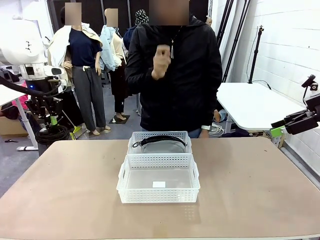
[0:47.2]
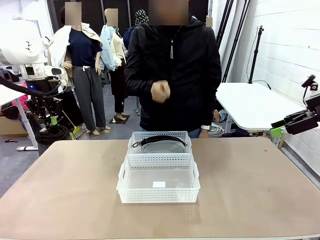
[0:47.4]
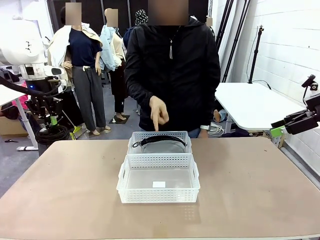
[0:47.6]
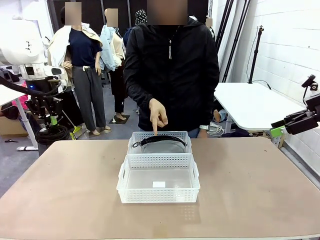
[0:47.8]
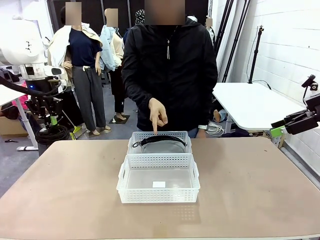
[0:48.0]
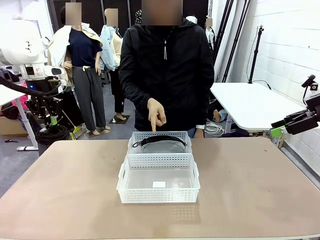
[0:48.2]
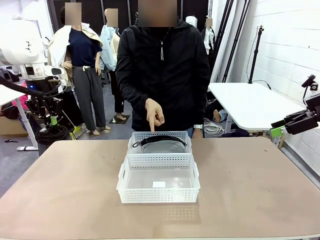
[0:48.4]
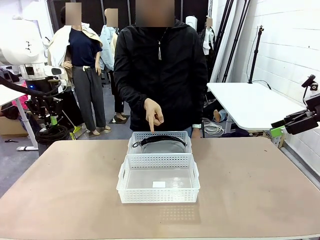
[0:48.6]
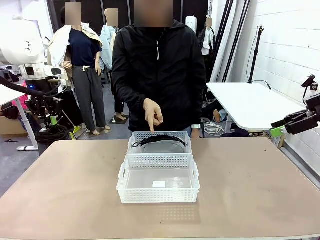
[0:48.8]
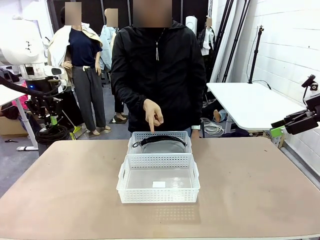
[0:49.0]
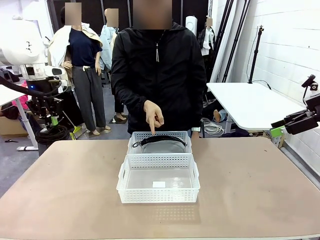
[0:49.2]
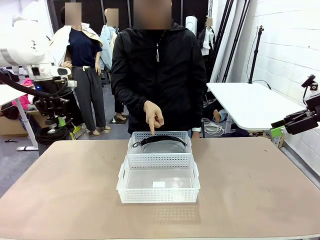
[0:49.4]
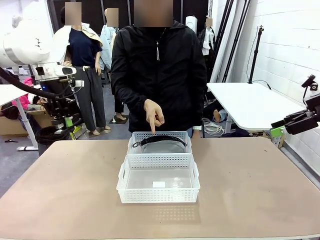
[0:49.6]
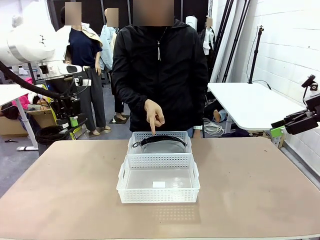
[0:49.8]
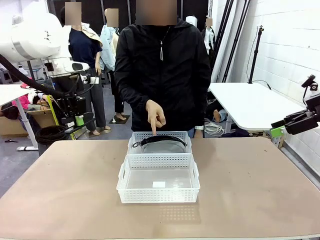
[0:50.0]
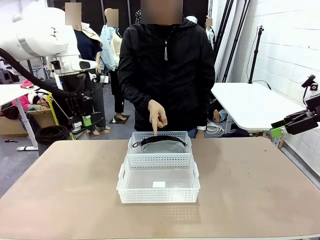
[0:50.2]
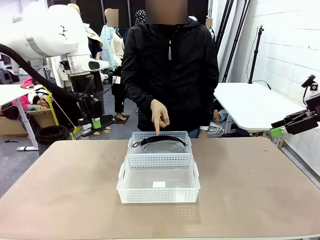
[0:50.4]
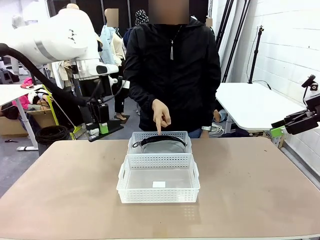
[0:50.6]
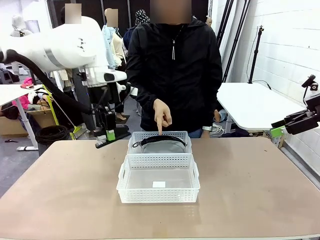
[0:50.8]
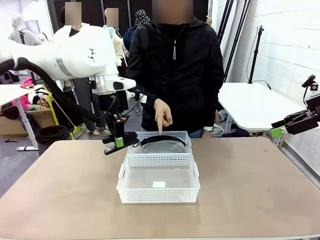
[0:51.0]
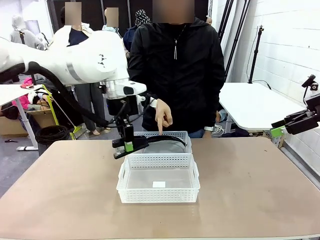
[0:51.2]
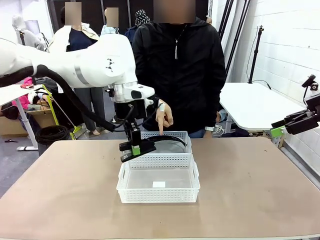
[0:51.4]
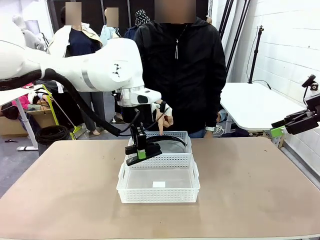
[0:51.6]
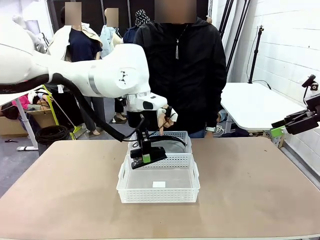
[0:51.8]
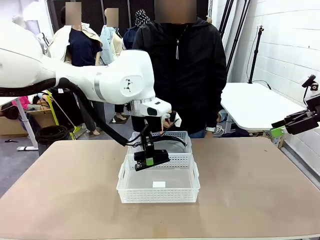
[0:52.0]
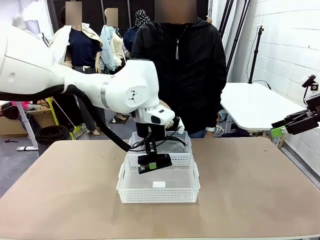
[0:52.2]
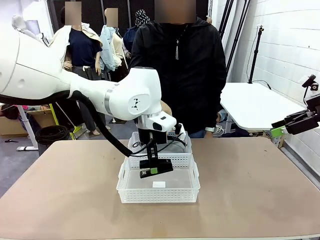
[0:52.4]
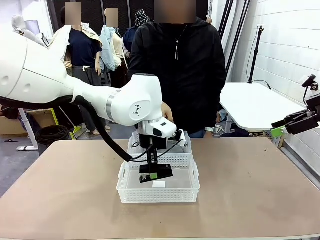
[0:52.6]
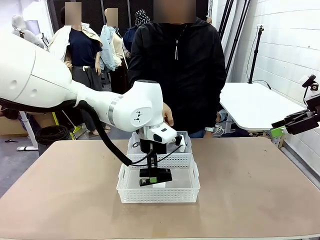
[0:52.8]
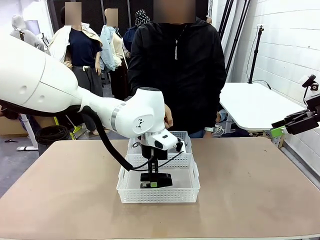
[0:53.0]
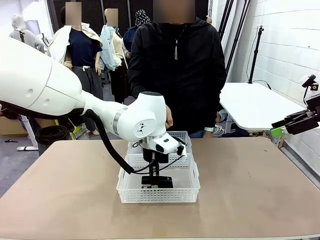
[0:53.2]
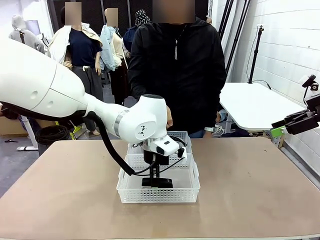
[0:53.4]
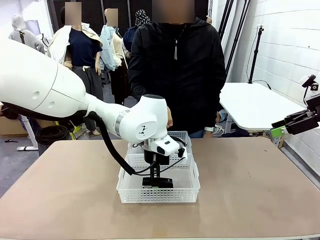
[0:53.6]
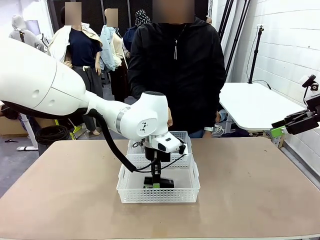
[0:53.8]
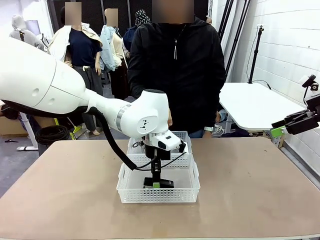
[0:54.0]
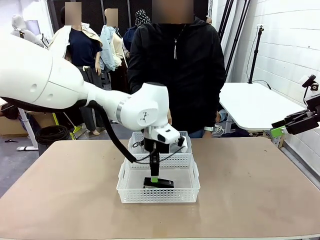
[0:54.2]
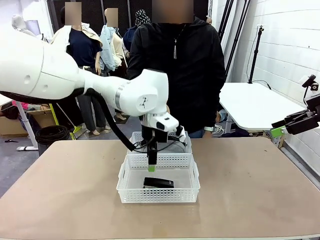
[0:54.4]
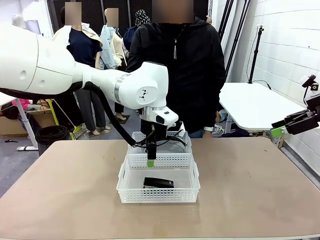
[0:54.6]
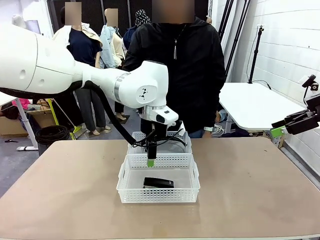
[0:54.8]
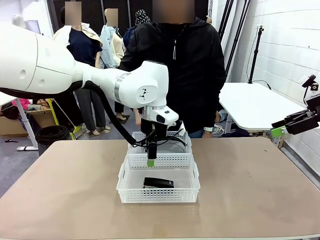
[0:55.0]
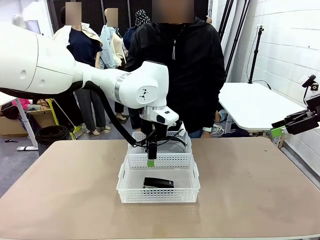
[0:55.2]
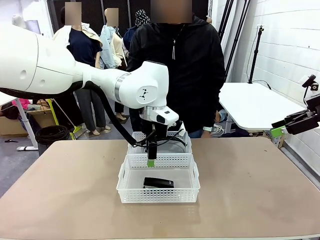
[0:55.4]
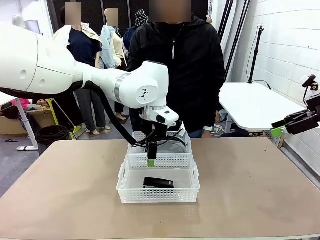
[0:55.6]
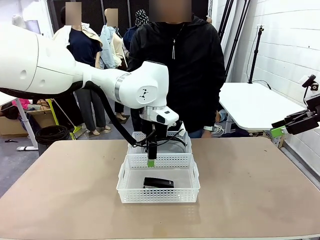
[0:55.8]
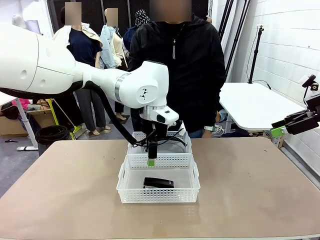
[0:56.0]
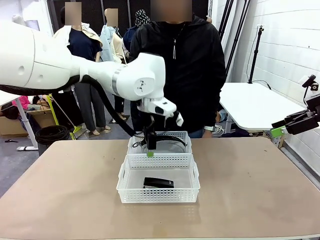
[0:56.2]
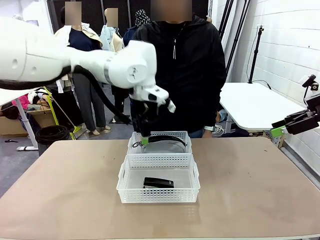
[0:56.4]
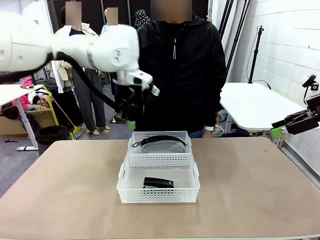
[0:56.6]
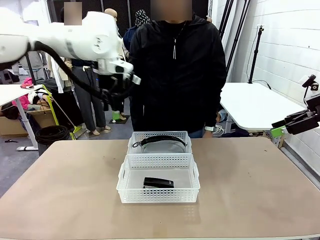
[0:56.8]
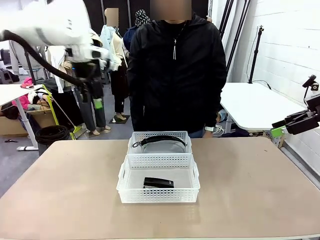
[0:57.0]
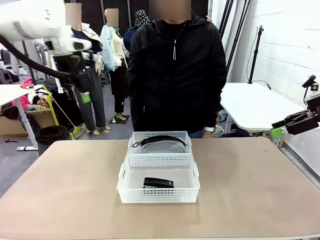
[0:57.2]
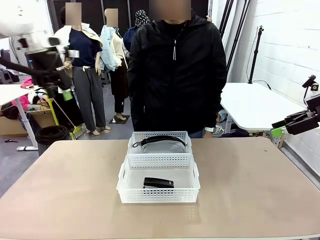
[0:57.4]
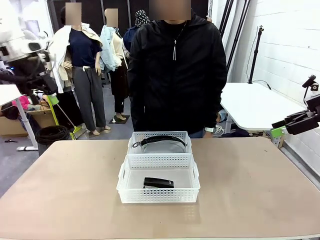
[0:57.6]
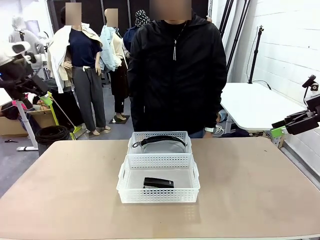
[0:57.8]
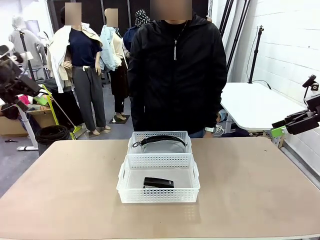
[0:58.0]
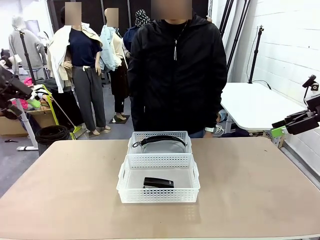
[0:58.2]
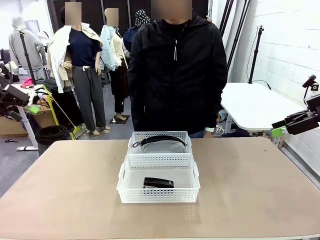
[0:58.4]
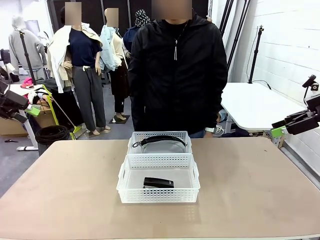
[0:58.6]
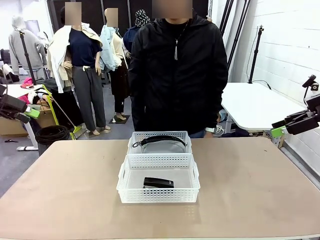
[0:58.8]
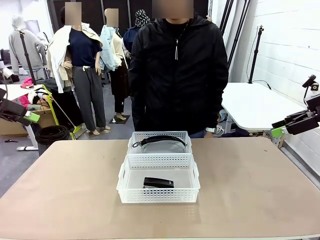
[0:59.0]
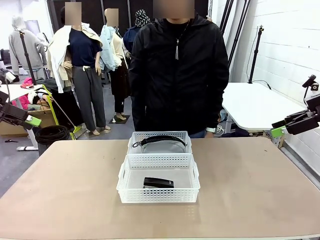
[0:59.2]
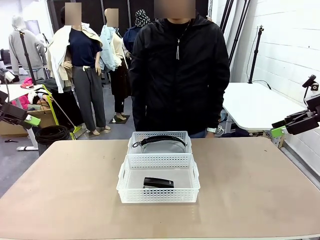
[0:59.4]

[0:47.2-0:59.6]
Task: Distribute items into two baskets.
Robot: Place the picked Stapler into the Organizing basket as instructed by the person.
Person: Points to the basket that does not contain the pencil case and instructs the robot to move the stapler there.

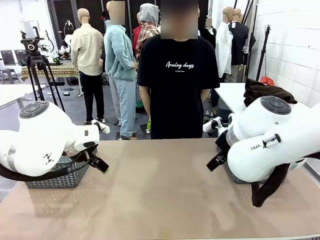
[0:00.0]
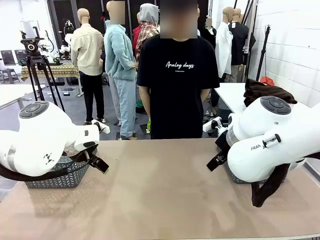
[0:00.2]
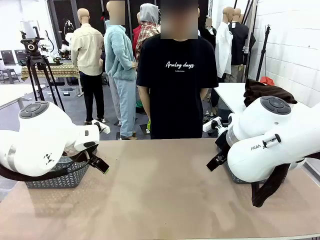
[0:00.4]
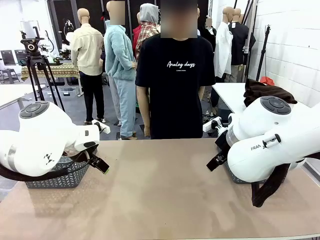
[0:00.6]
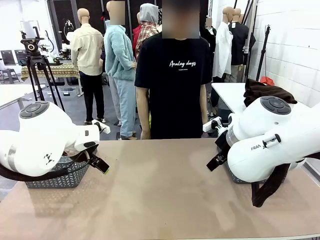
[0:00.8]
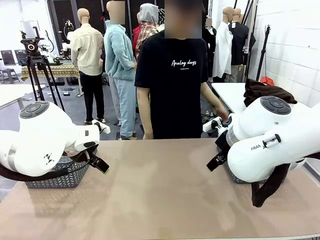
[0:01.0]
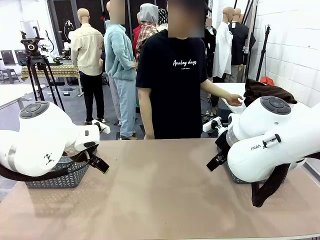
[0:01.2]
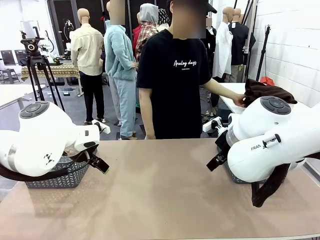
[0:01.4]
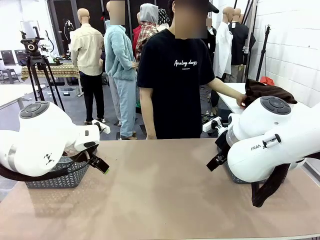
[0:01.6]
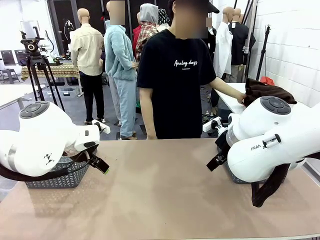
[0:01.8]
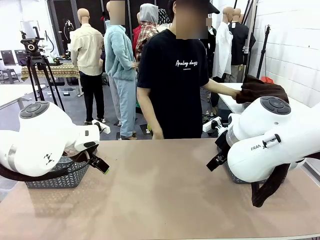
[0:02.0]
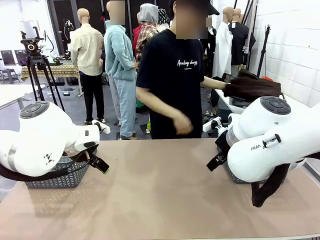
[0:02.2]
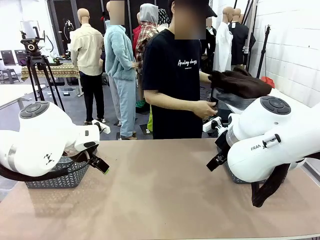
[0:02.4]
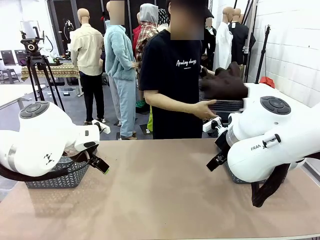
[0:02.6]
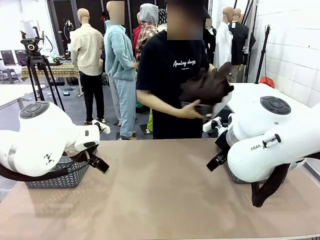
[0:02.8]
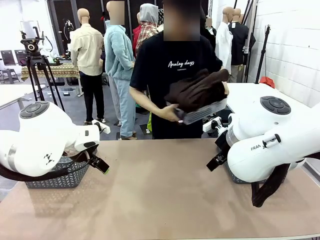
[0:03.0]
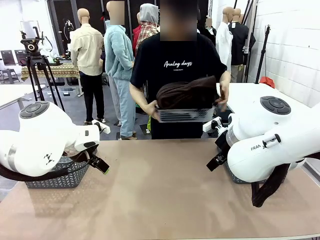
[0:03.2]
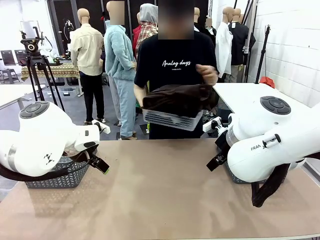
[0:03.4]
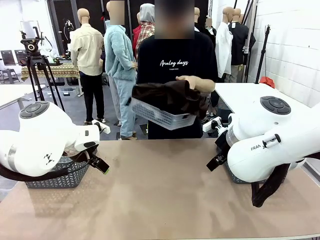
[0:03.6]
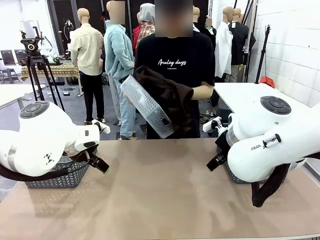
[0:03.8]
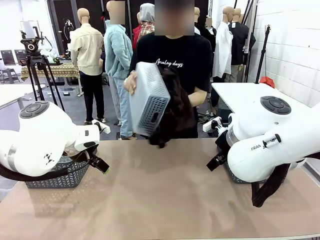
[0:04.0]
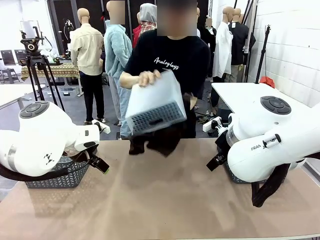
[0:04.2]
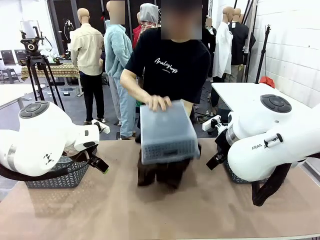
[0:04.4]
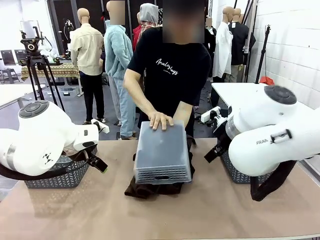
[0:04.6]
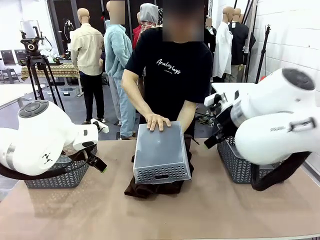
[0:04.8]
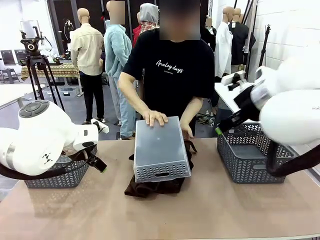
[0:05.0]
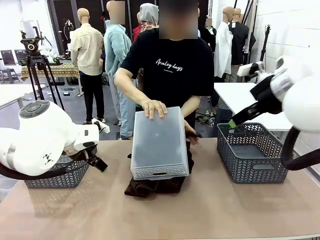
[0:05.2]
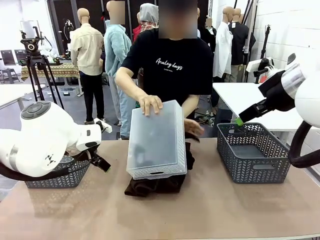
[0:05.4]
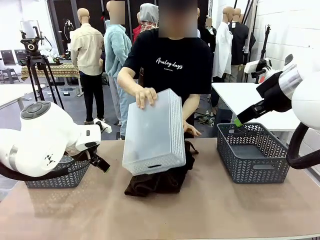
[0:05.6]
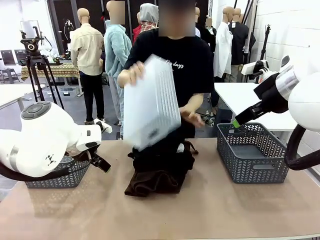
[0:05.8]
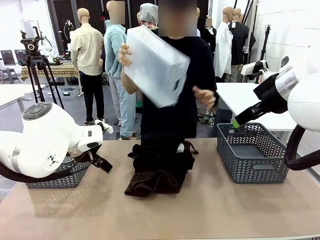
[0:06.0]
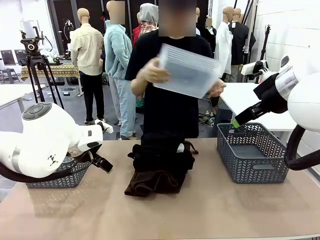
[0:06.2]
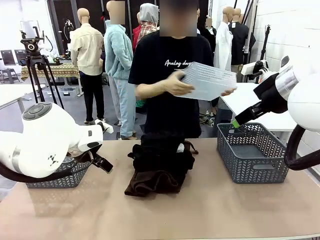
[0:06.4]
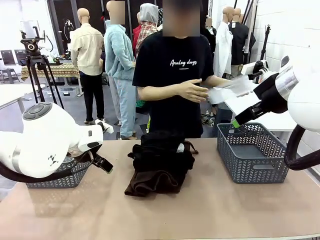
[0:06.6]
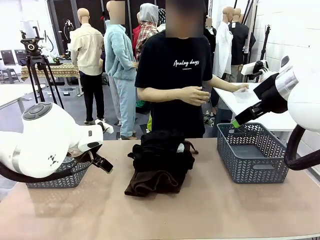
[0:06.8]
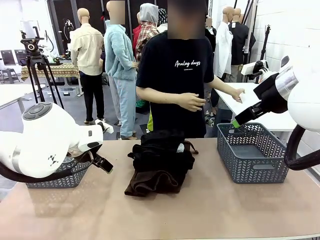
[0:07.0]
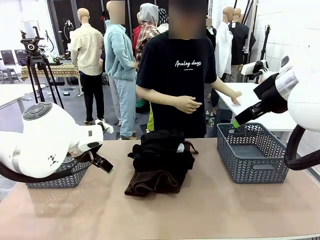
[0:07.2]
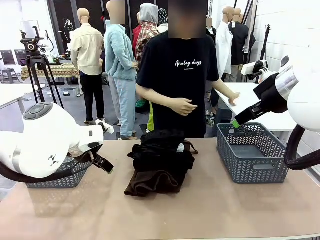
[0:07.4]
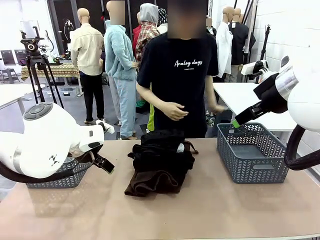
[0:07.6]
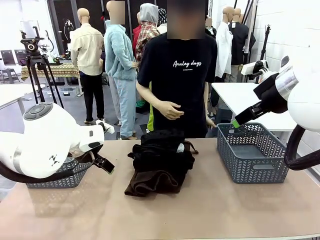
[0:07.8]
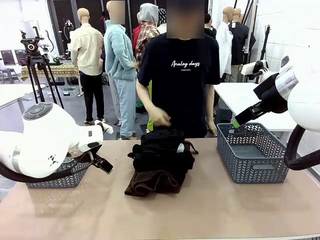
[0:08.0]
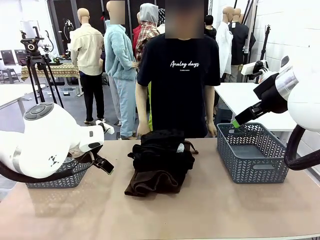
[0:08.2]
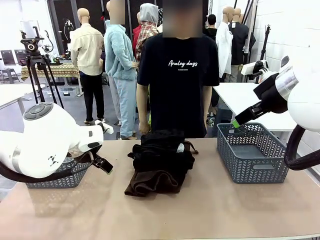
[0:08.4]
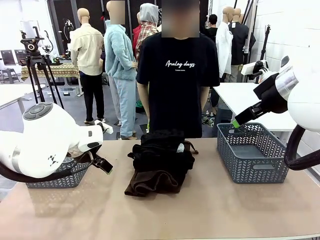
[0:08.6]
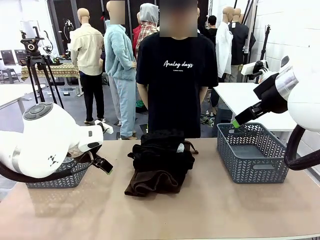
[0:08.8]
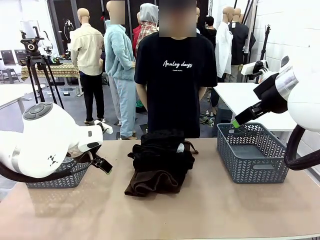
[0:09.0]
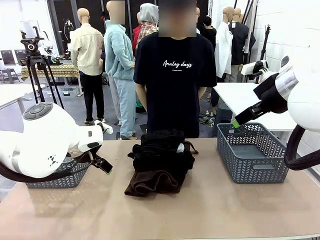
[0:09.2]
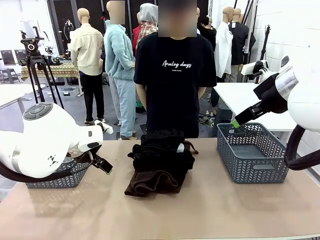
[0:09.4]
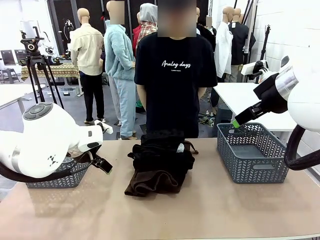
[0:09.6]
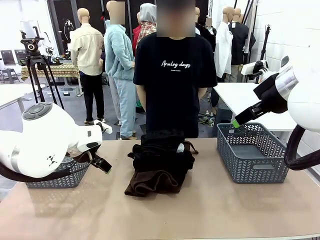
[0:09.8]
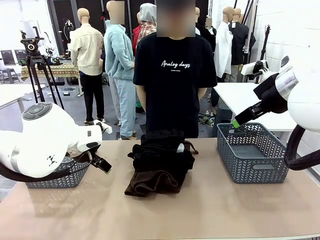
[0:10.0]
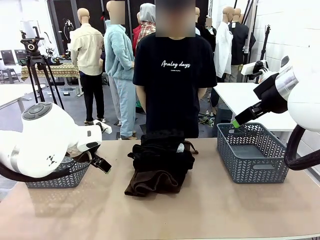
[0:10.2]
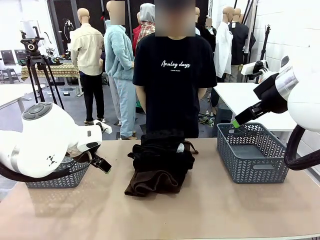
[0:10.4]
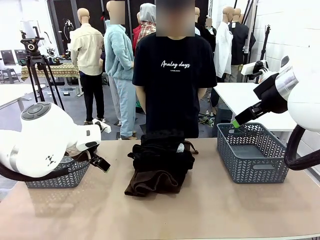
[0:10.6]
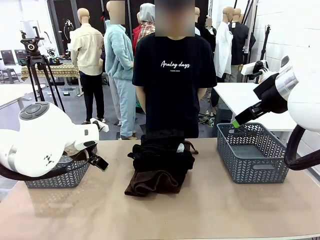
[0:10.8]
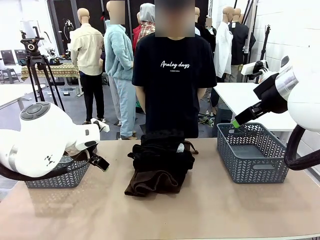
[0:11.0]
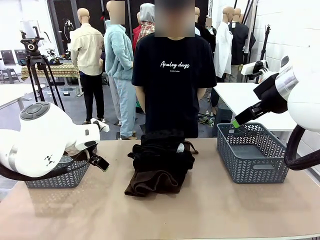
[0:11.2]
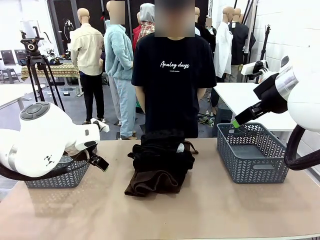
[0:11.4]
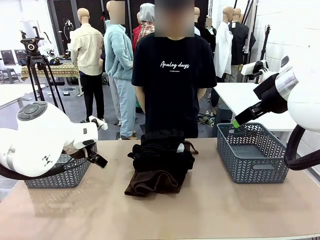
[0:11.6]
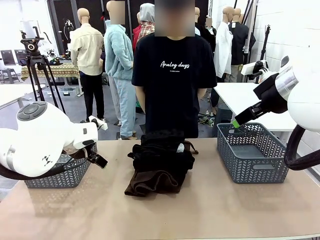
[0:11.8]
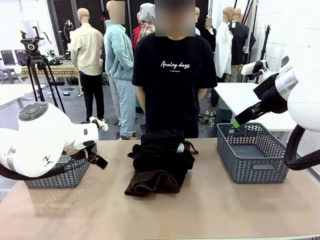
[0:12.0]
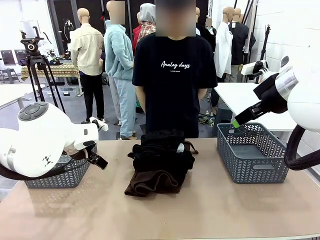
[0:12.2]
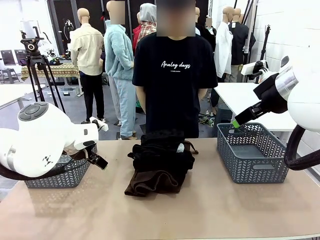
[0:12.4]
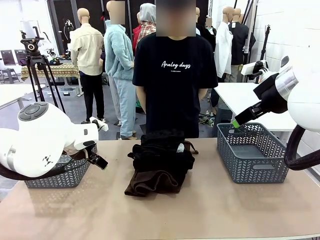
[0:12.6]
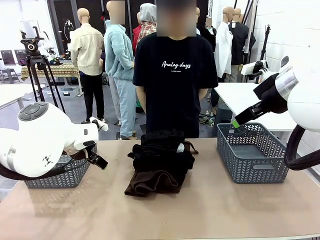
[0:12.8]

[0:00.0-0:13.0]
Task: Sort the tops and bottoms.
Robot: Lift clothes from the center of the table with your left hand.
Person: Pour the clothes from the basket onto the center of the robot table.
